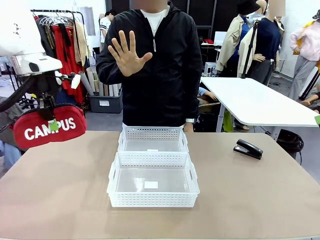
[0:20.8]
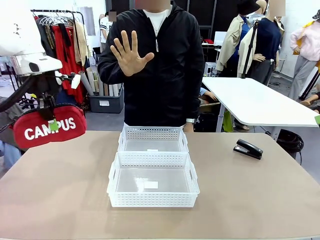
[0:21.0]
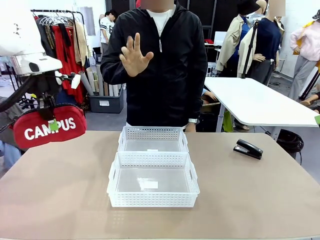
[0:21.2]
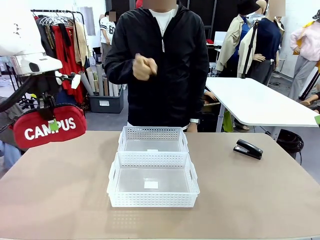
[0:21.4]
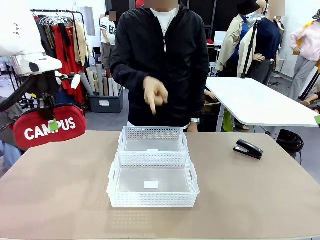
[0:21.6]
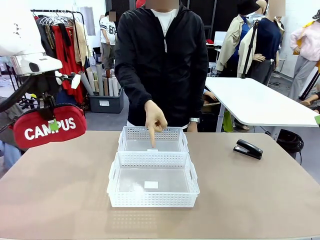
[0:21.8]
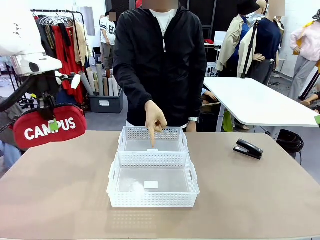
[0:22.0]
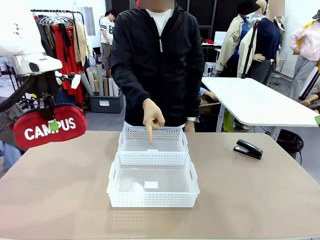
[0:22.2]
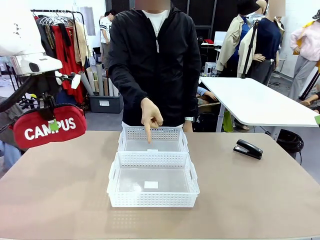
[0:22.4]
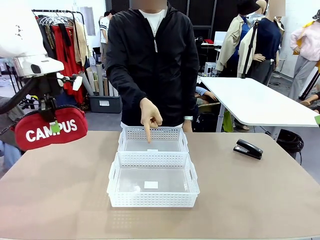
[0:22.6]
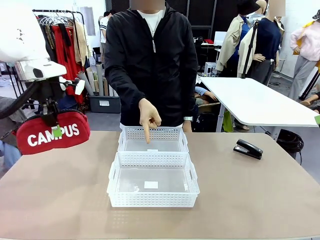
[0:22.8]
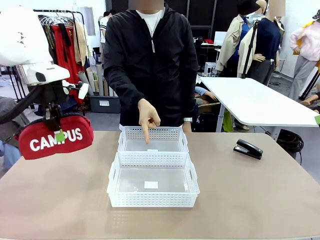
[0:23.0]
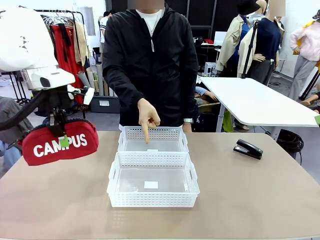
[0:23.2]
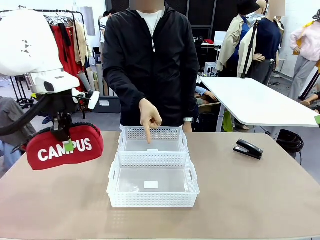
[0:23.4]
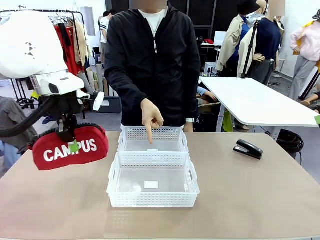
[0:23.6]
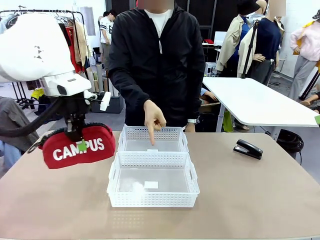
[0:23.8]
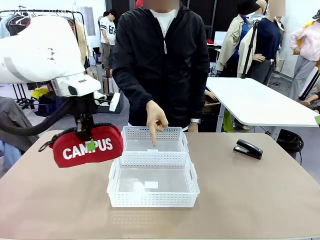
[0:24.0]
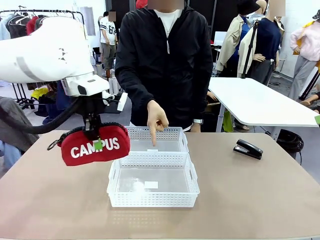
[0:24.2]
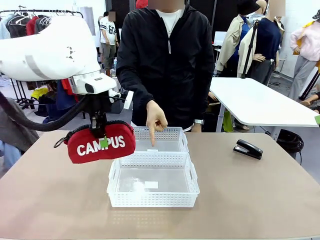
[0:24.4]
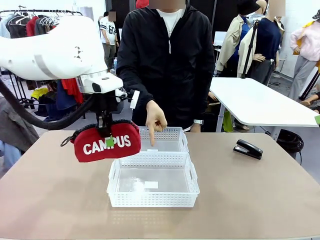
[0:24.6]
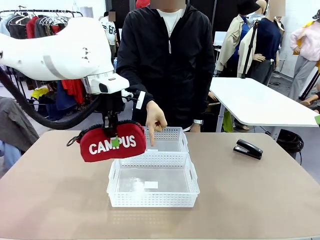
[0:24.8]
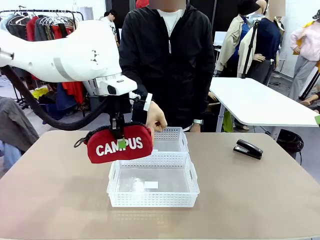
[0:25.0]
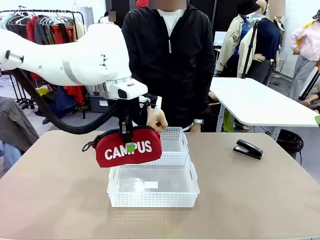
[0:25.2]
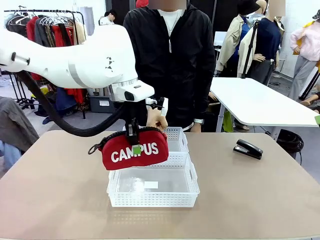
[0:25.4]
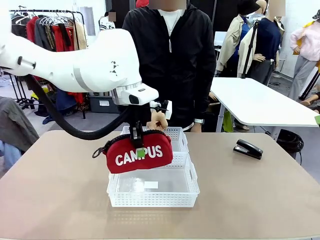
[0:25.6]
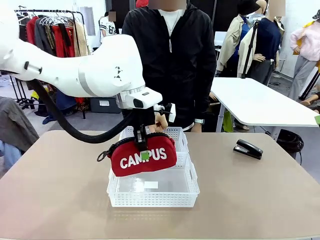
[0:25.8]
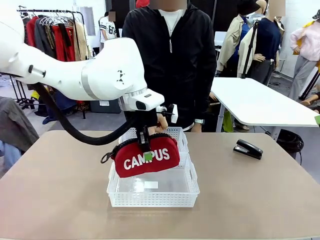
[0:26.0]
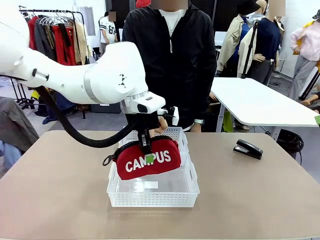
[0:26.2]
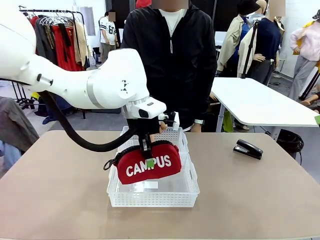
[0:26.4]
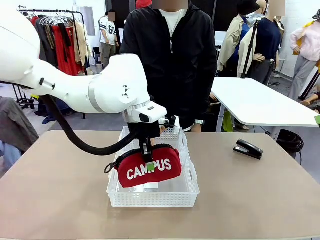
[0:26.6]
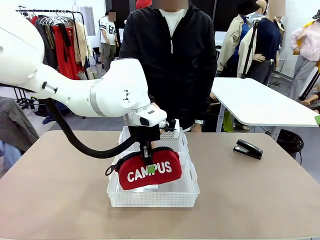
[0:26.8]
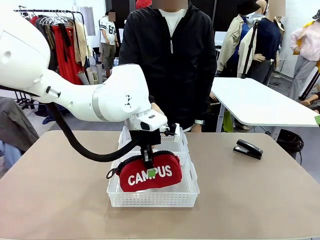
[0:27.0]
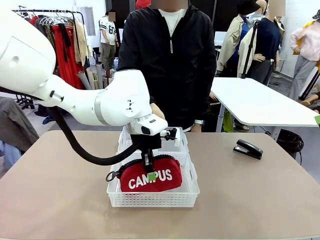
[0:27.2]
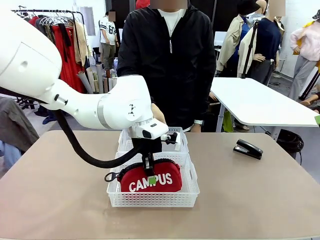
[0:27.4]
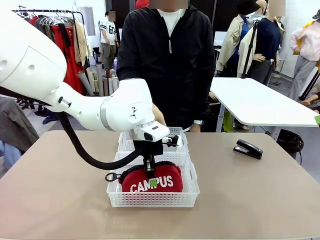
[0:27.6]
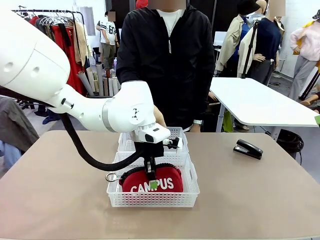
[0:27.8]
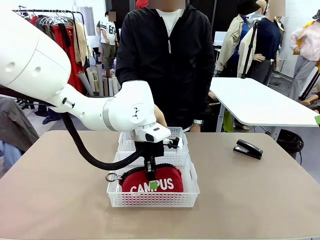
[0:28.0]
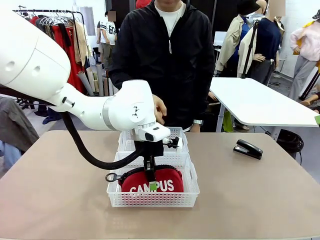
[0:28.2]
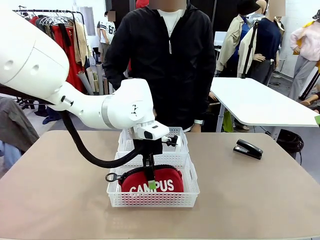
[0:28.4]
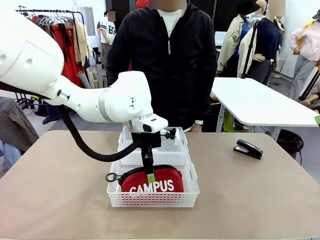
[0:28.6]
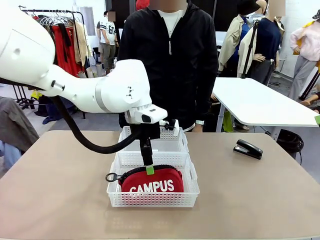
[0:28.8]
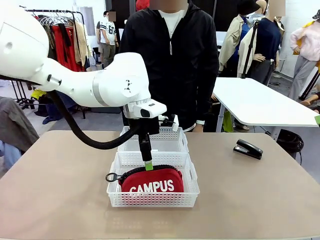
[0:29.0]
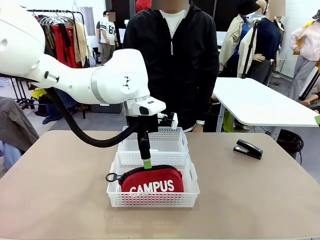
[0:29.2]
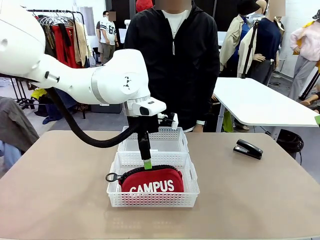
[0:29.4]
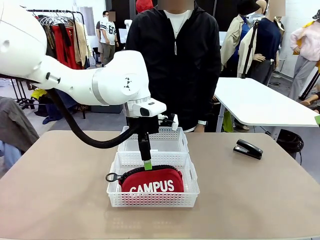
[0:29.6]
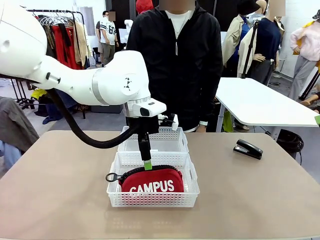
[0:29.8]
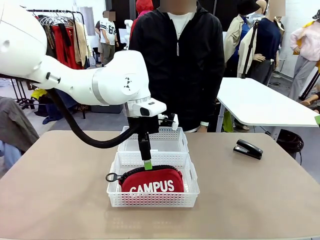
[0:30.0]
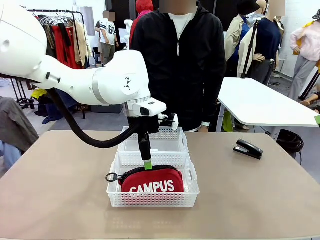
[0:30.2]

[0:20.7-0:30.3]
Task: Distribute items into two baskets.
Robot: Place the picked Pencil pouch into the Organizing basket as instructed by the person.
Person: Instructs the robot to place the pencil case into the opposite basket. Points to the stapler.

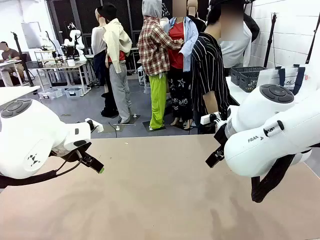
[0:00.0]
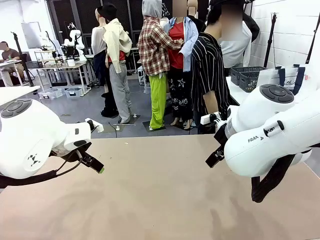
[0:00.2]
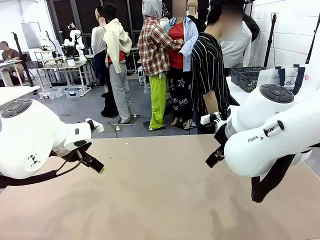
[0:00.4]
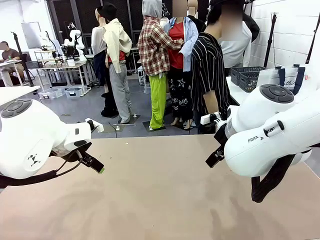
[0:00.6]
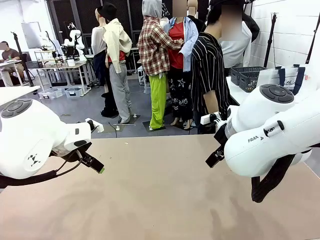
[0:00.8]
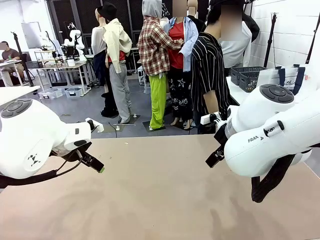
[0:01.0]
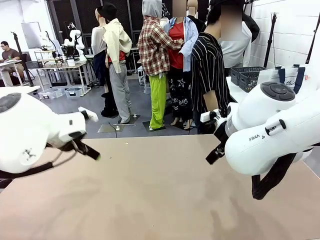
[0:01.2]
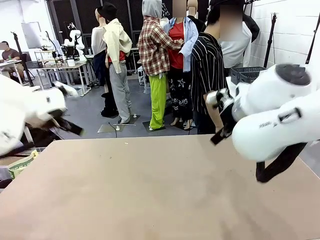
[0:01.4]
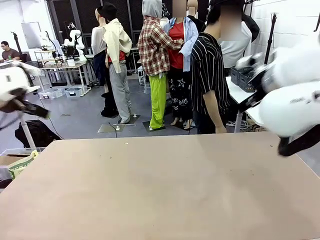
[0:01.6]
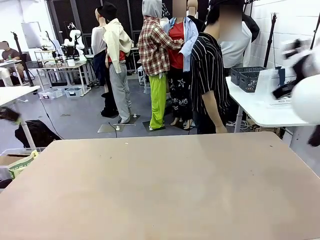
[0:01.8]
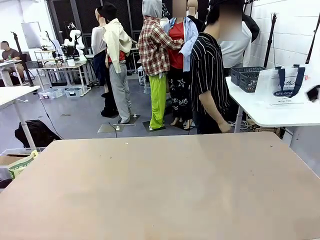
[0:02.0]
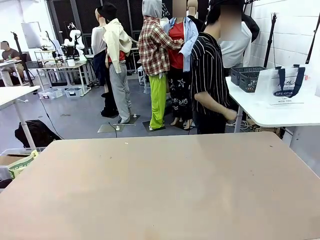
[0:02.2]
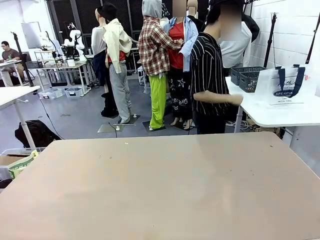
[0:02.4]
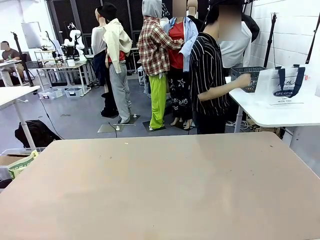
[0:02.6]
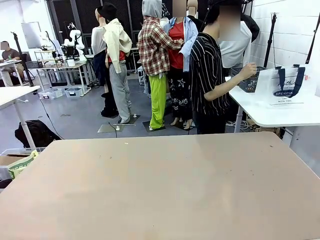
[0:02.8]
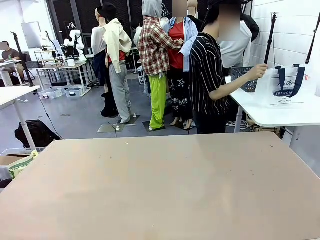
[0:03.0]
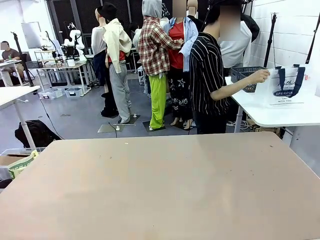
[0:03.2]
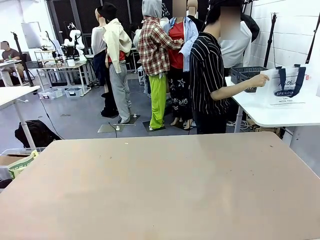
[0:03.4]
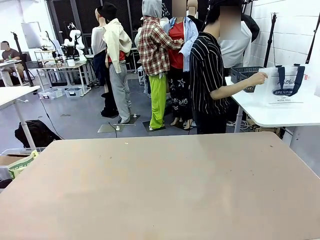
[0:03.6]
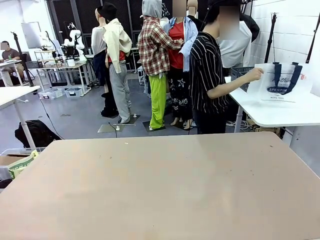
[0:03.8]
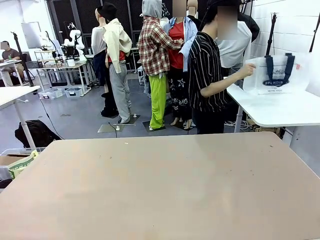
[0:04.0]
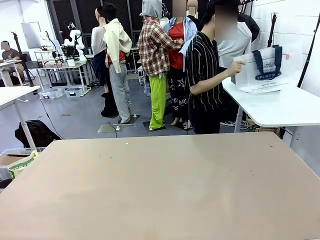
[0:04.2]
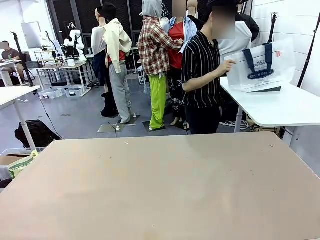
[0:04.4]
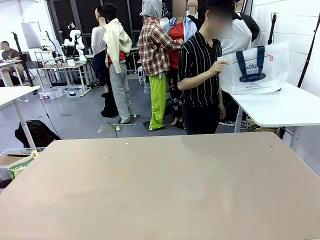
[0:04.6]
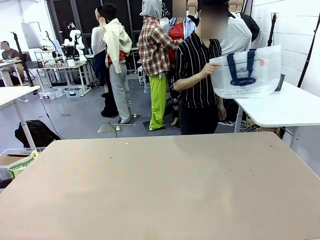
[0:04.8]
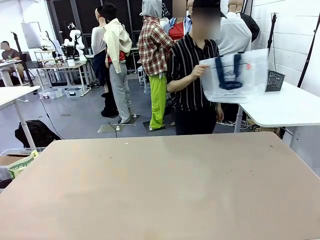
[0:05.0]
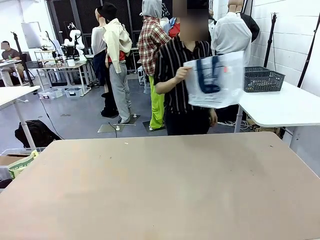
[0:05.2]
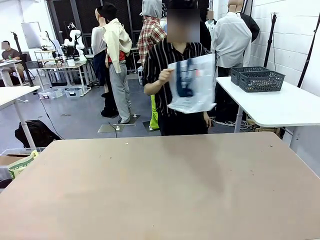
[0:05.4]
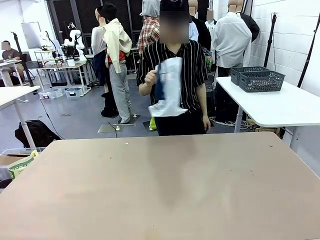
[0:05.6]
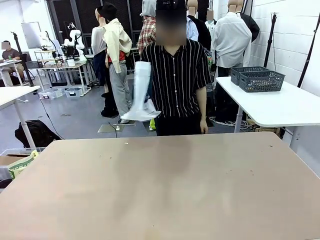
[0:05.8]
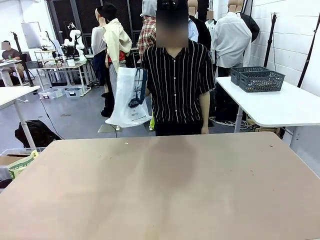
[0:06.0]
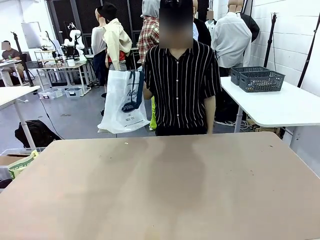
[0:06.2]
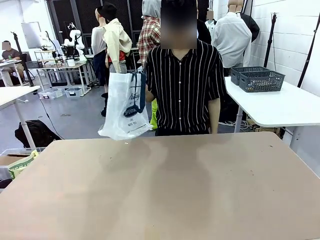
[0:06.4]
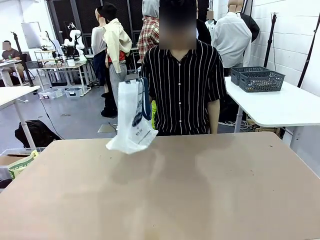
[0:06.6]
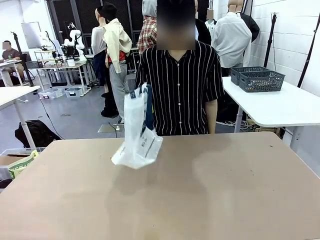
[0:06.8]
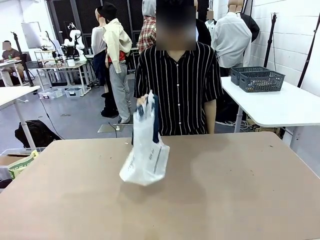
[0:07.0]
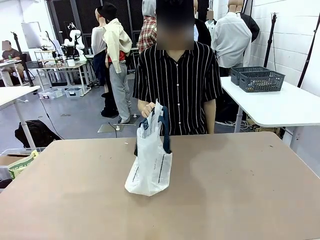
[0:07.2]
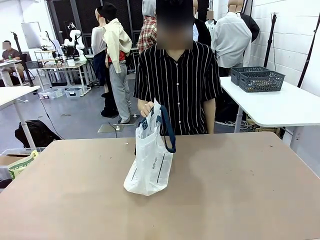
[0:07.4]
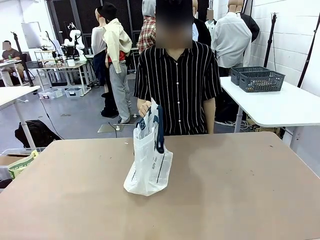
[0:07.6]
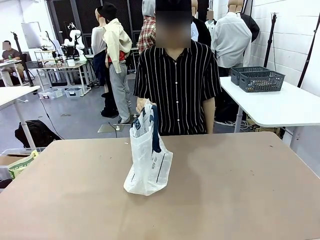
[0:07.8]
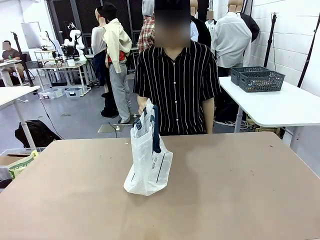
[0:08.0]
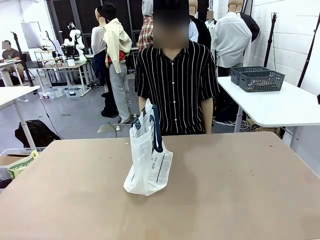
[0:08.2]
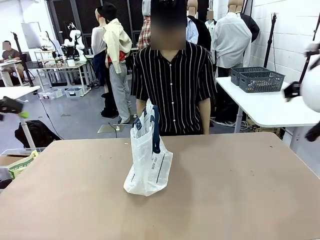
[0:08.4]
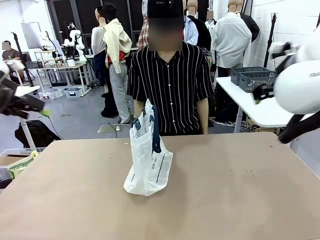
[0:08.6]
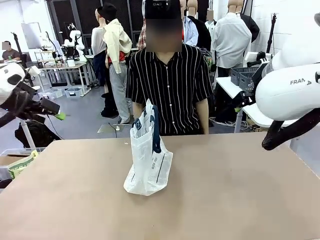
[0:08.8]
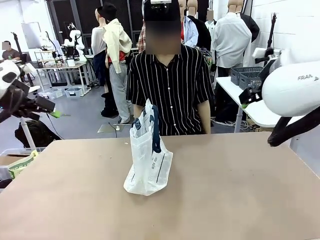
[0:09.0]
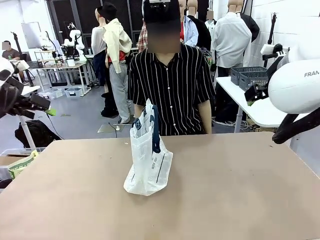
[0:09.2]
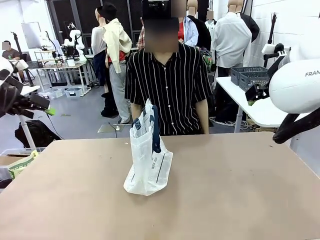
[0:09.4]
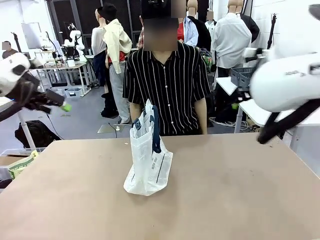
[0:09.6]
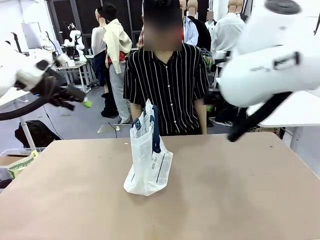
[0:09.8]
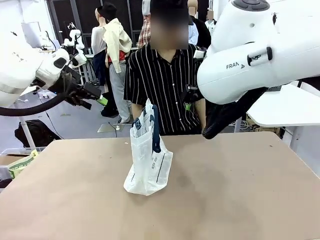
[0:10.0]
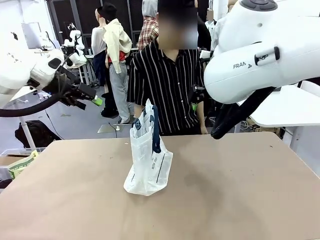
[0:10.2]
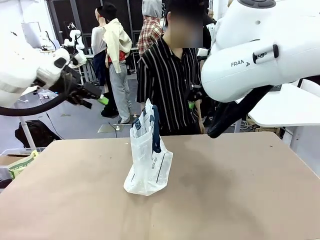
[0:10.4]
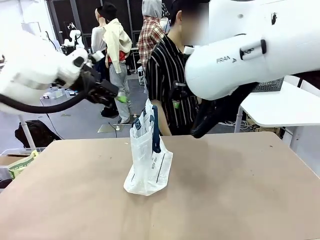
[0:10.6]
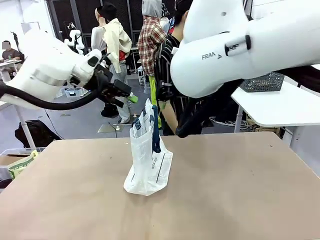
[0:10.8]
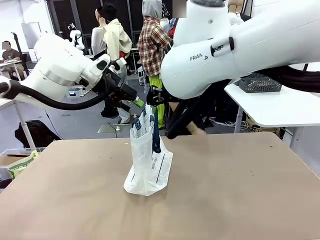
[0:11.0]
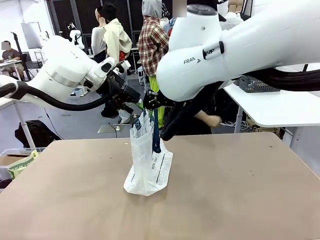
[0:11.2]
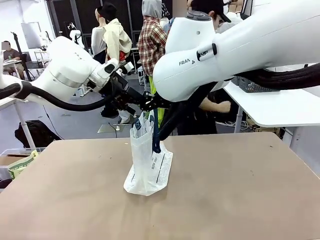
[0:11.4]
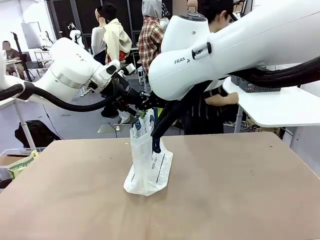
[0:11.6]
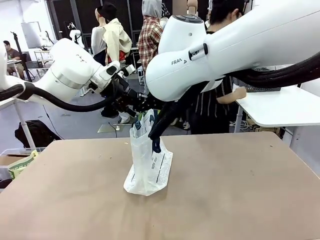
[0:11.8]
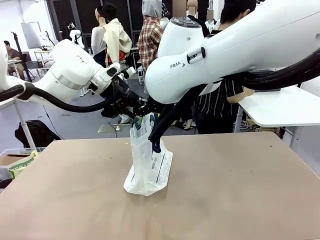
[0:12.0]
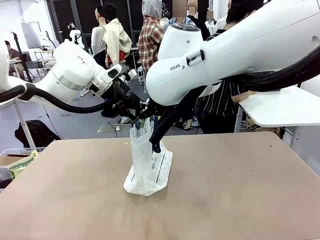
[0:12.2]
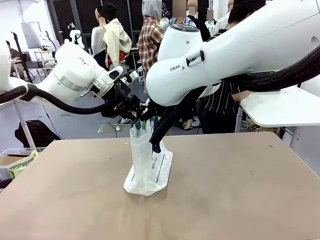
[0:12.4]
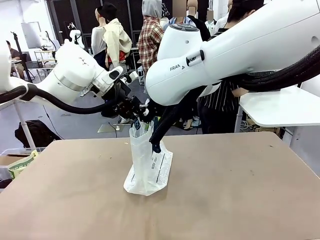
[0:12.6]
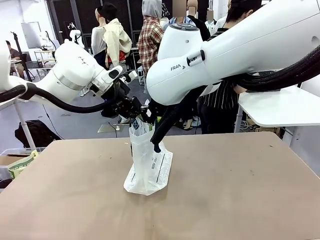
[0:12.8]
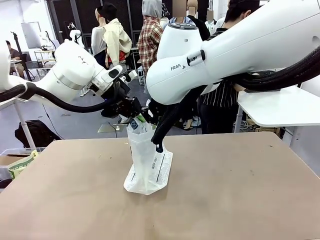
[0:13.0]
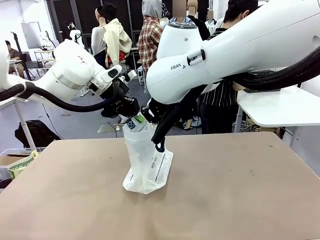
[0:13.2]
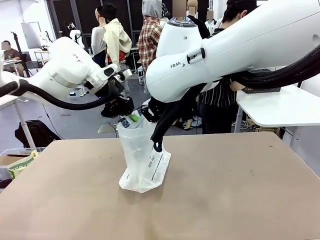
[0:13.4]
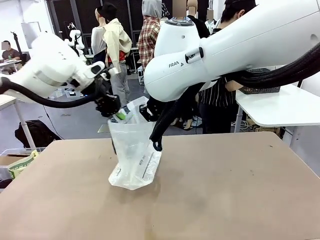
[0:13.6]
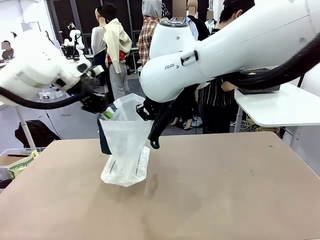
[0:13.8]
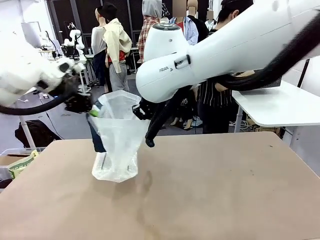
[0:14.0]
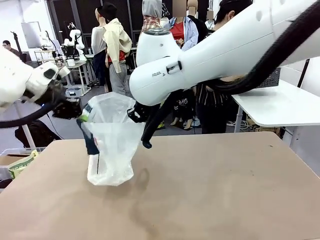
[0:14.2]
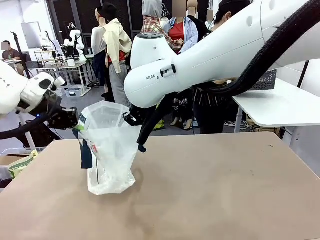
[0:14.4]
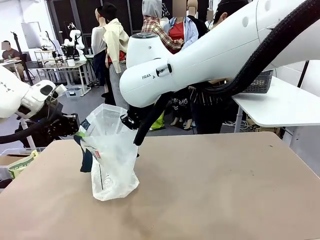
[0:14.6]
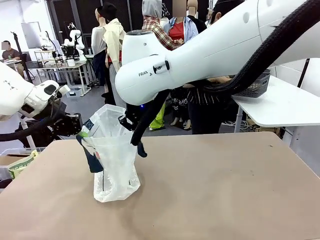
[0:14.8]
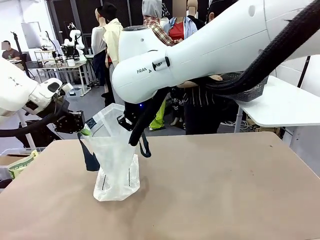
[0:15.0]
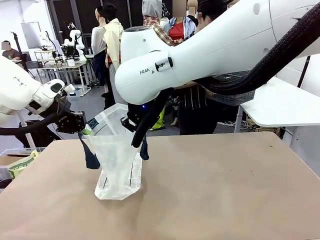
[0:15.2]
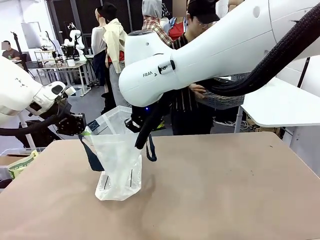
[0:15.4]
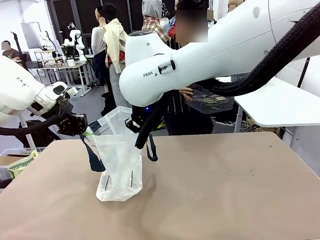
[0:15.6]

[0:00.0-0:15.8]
Task: Transfer purchased items from the store into the shopping bag.
Robot: Open the Reusable shopping bag in the center of the table.
Person: Pick up the shopping bag and place it in the middle of the robot table. Pick up the basket on the right, place it on the left side of the robot table, and move the items in the basket to the shopping bag.
